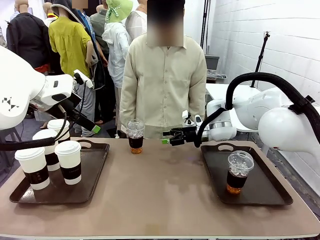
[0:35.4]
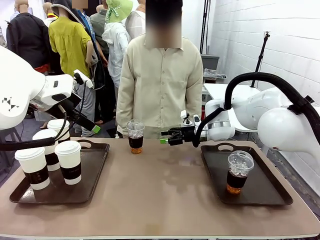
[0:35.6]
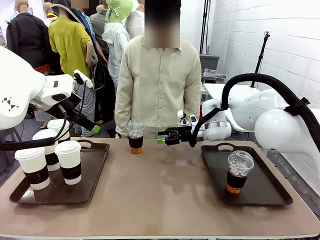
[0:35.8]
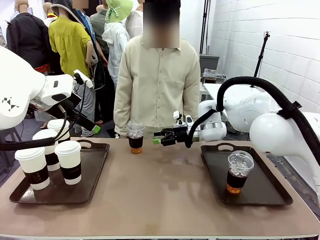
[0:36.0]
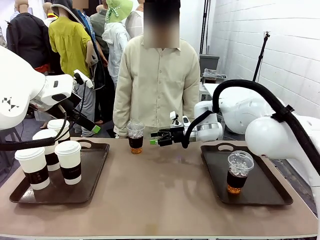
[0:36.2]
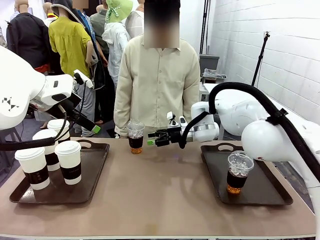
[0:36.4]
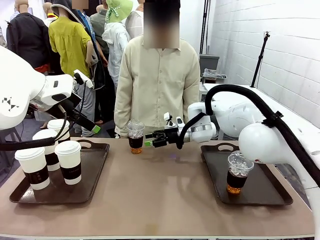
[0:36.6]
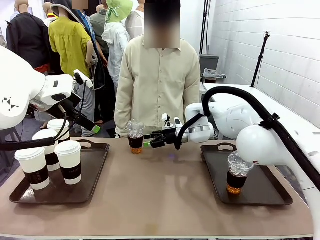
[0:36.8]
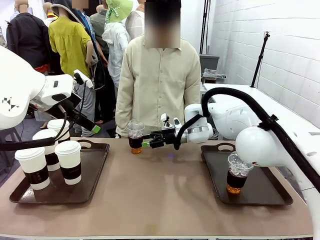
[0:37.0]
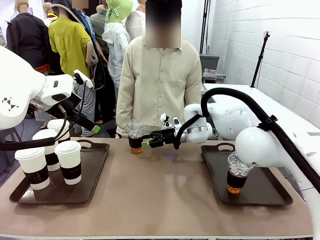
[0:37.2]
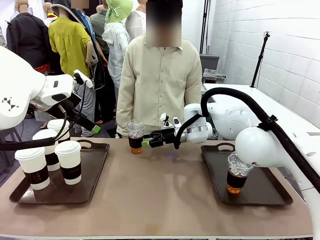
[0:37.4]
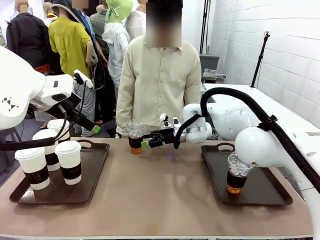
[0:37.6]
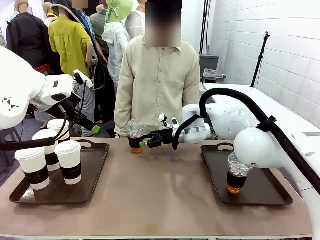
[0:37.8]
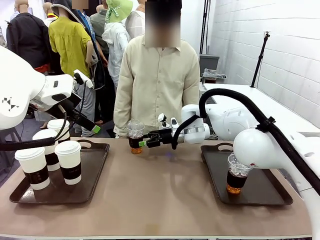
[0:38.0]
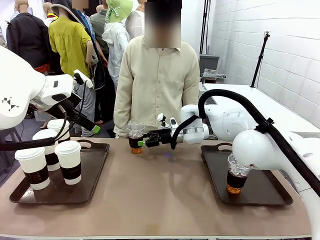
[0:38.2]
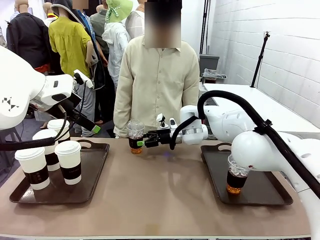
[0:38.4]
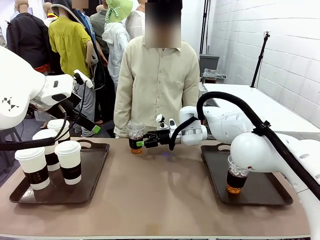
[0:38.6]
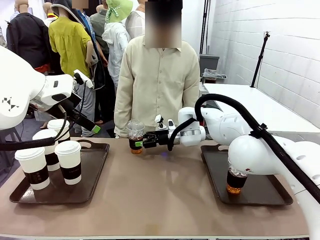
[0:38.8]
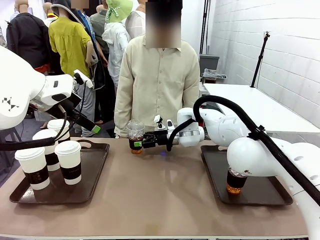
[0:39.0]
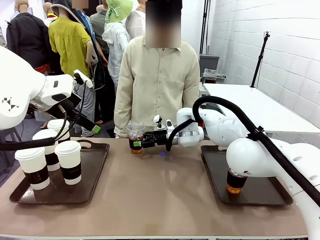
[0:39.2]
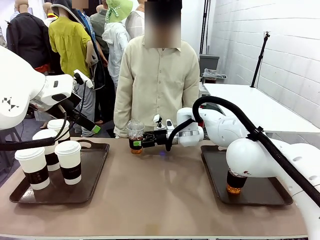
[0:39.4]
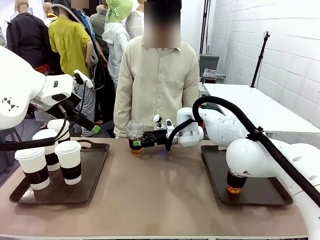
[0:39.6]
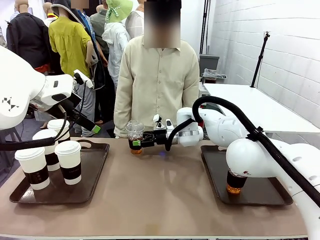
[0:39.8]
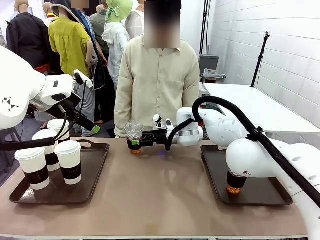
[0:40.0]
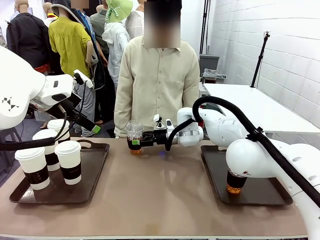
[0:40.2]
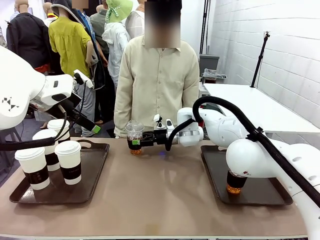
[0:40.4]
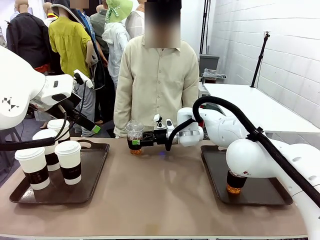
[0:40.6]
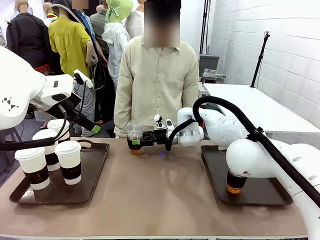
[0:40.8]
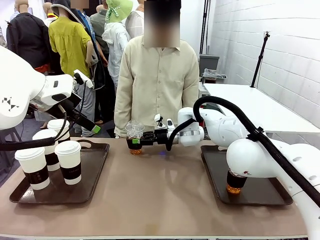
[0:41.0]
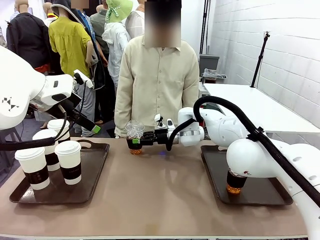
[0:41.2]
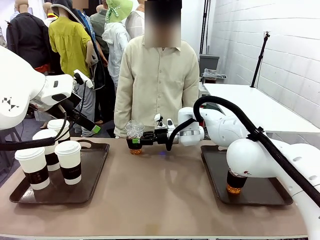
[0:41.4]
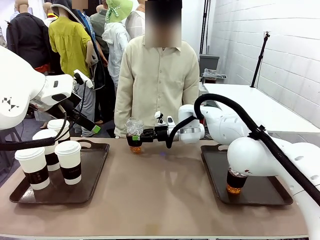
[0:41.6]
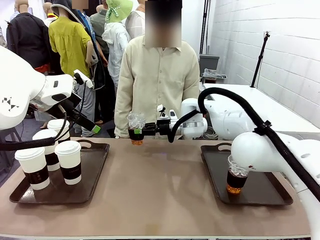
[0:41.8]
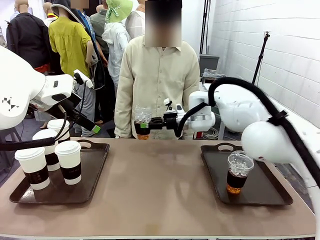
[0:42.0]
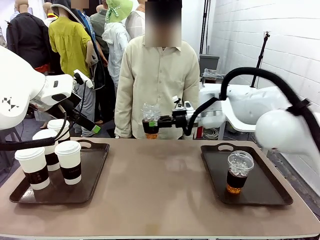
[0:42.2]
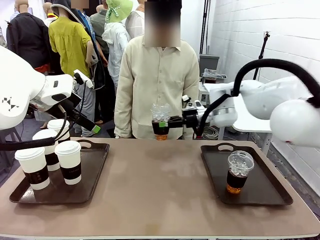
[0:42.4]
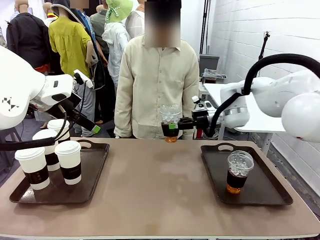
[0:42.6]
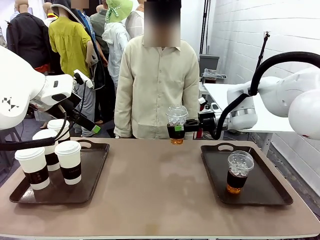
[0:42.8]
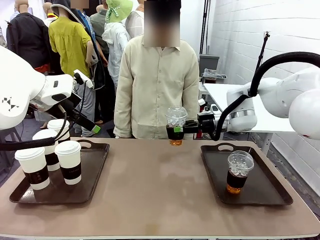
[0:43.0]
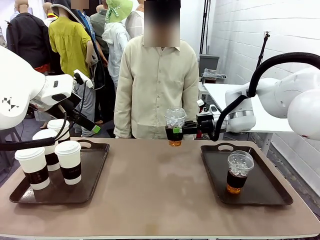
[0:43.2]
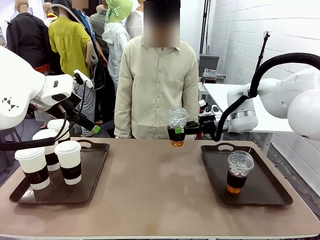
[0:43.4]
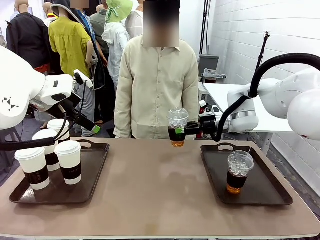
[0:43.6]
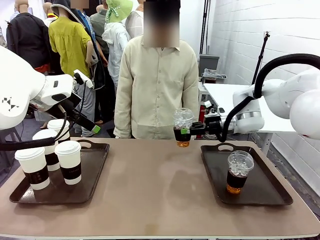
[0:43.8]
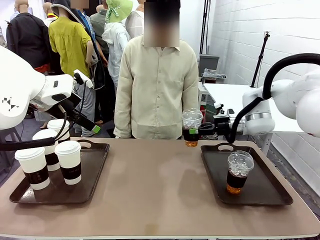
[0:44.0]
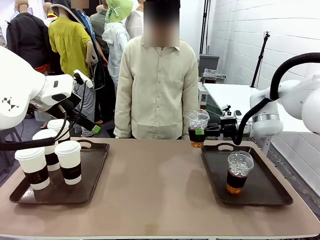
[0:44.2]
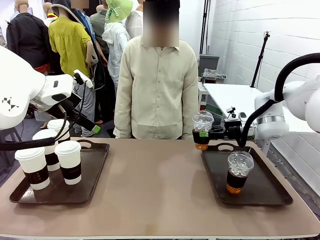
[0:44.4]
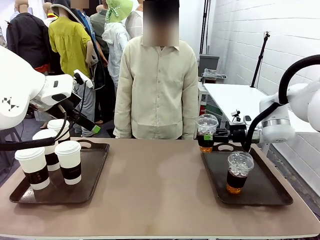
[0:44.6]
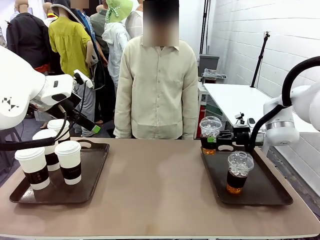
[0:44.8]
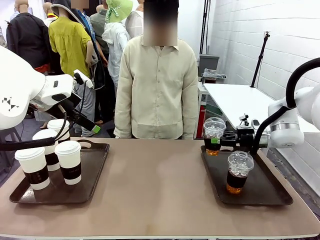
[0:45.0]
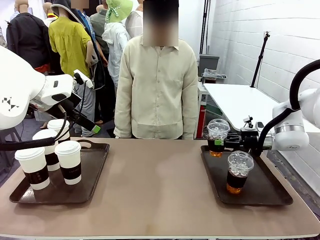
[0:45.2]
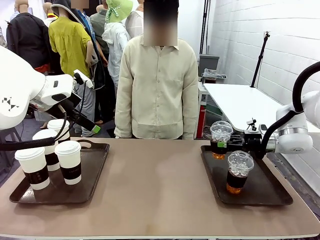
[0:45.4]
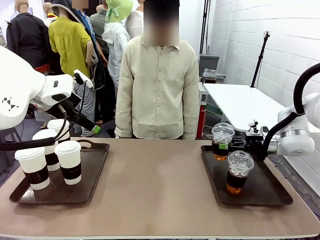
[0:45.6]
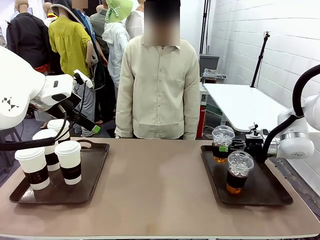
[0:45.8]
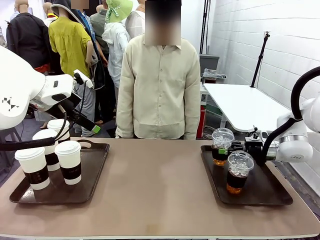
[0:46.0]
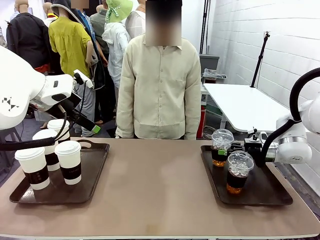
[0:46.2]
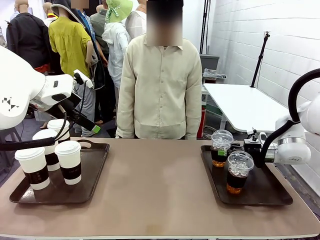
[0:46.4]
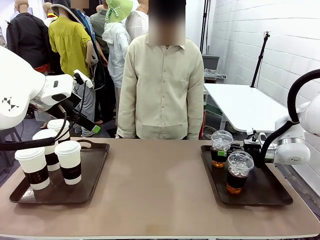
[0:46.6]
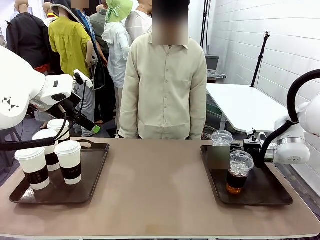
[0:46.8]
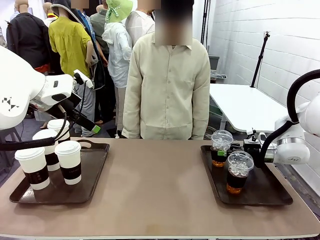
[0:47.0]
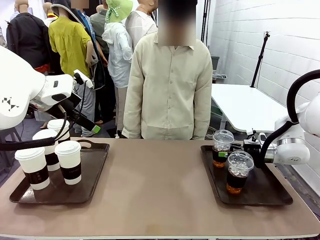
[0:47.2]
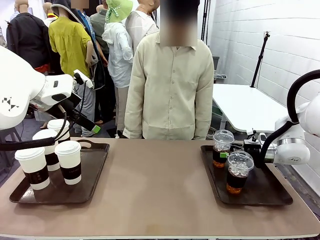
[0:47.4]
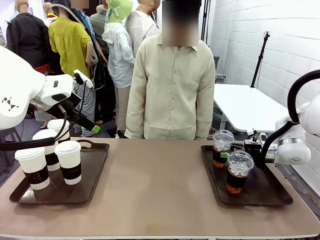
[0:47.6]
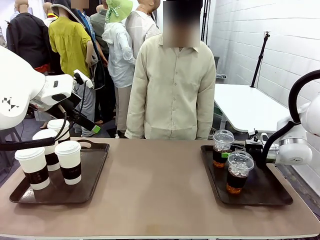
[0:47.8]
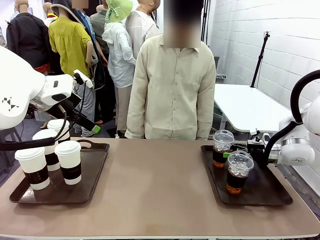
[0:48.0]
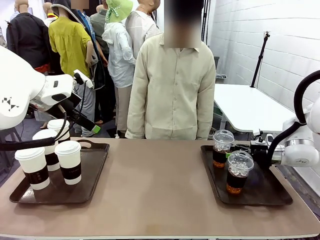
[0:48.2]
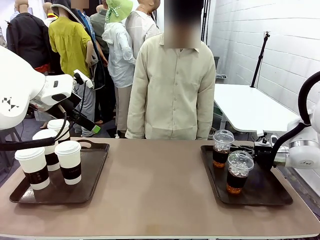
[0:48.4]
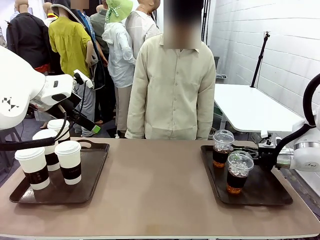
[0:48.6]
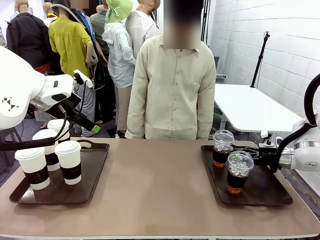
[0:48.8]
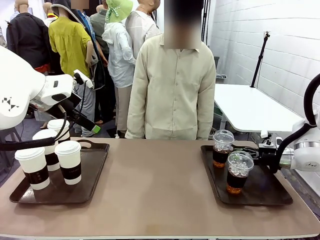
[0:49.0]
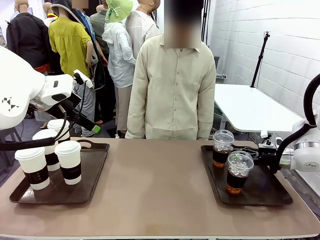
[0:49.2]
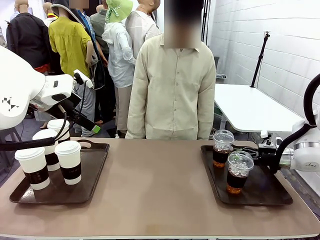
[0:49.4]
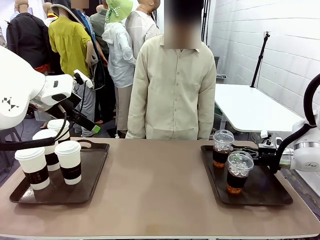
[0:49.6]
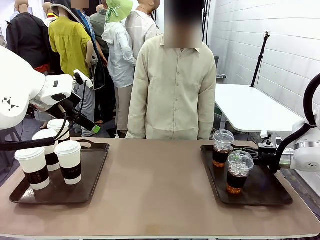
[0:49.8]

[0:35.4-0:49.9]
Task: Distribute the coffee onto the tray.
Robot: Pick up another iced Americano from the middle of the table and place it on the right Handle tray.

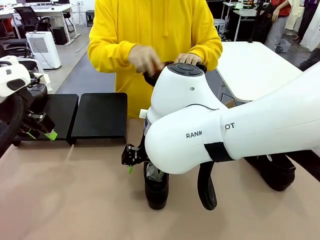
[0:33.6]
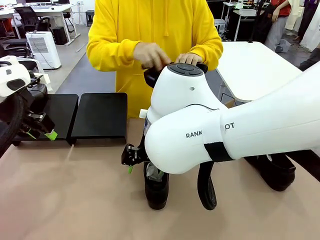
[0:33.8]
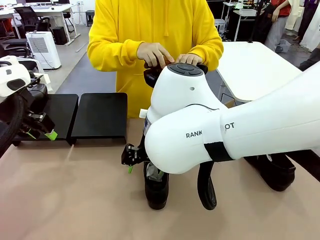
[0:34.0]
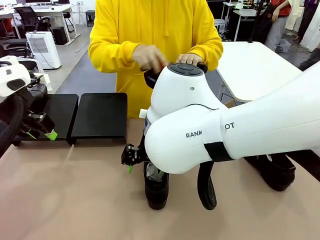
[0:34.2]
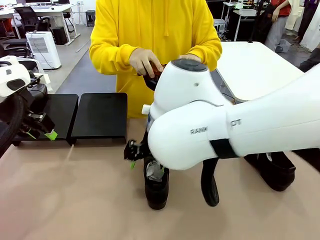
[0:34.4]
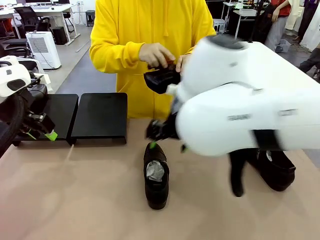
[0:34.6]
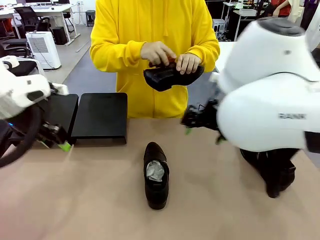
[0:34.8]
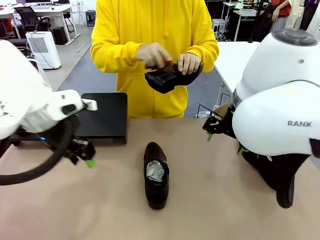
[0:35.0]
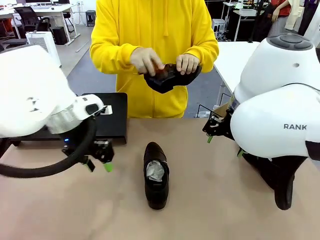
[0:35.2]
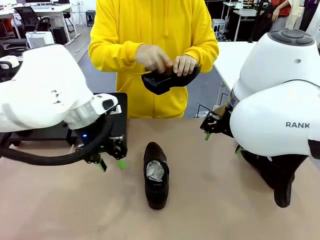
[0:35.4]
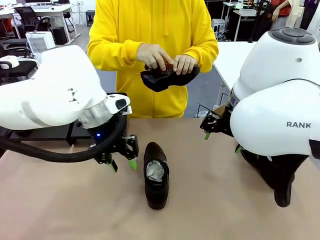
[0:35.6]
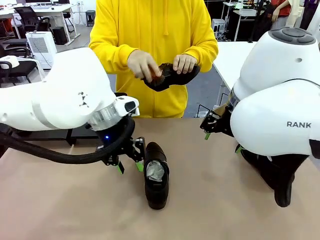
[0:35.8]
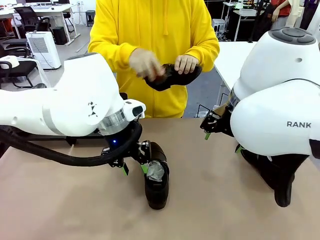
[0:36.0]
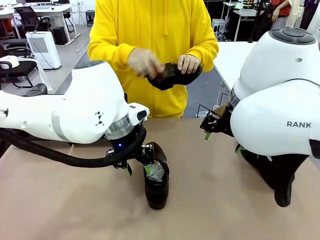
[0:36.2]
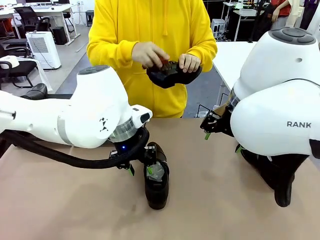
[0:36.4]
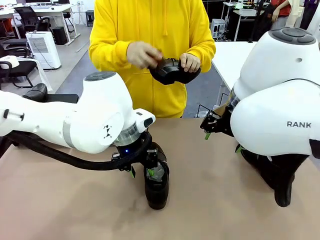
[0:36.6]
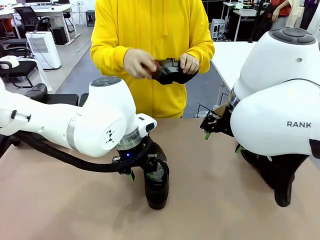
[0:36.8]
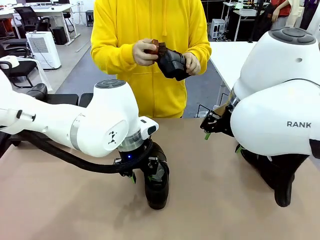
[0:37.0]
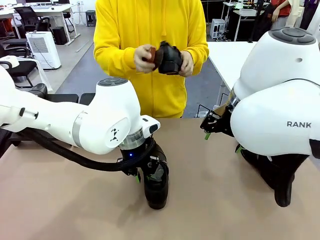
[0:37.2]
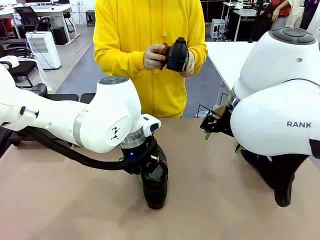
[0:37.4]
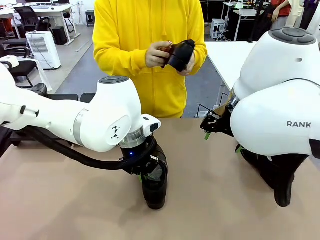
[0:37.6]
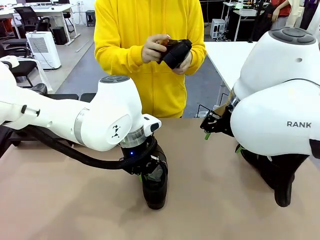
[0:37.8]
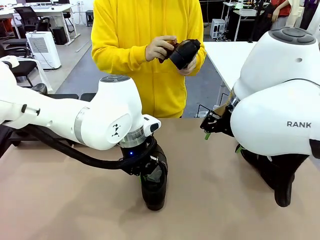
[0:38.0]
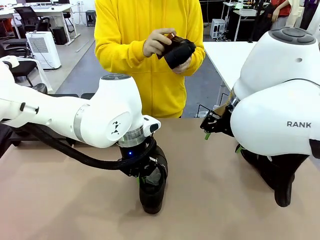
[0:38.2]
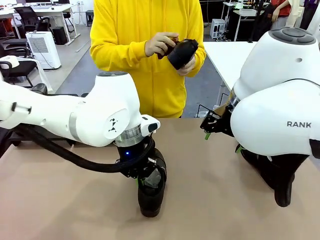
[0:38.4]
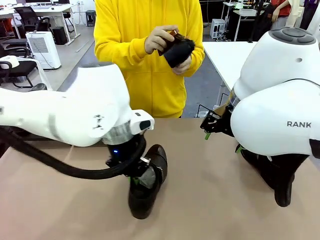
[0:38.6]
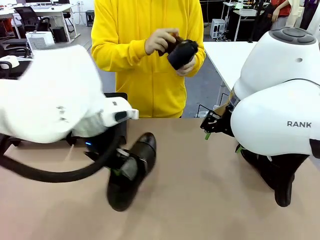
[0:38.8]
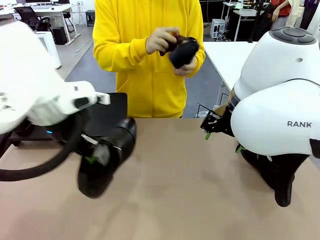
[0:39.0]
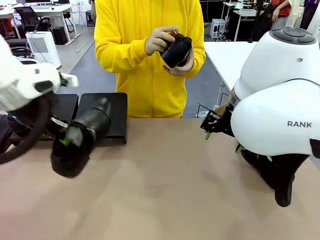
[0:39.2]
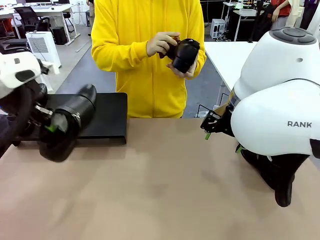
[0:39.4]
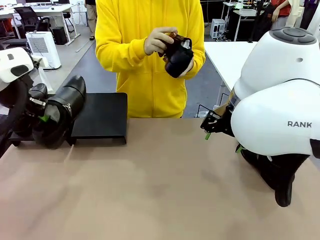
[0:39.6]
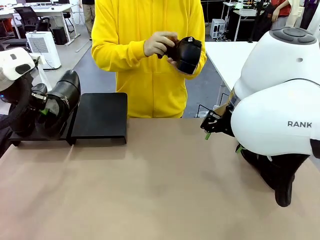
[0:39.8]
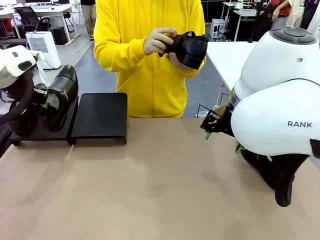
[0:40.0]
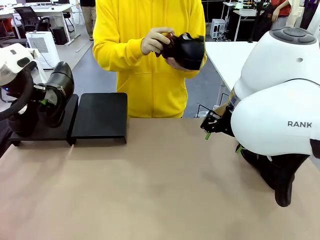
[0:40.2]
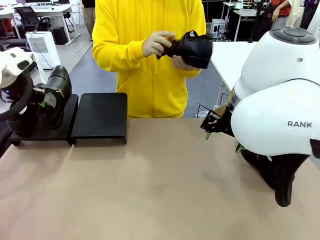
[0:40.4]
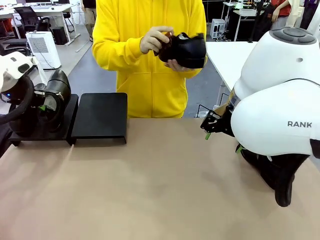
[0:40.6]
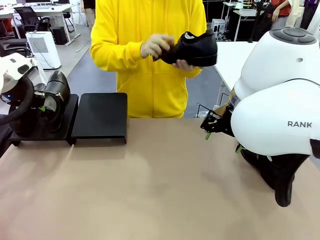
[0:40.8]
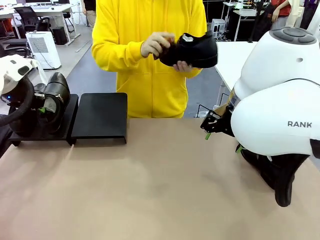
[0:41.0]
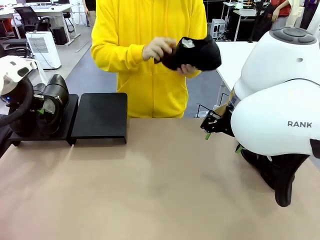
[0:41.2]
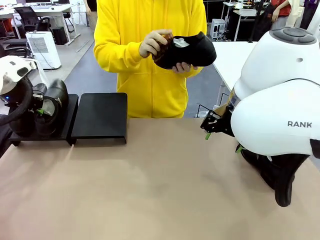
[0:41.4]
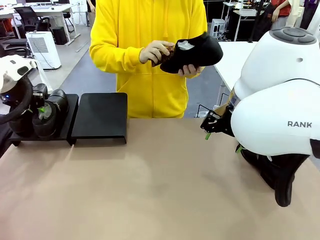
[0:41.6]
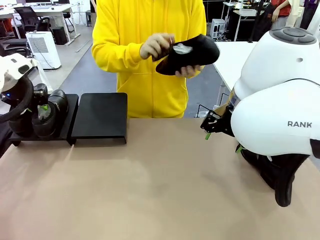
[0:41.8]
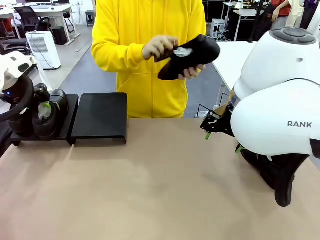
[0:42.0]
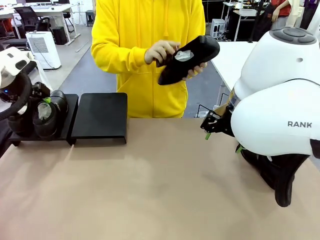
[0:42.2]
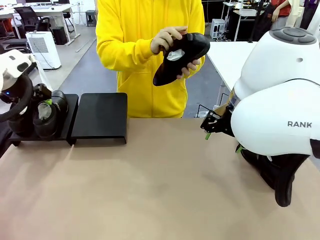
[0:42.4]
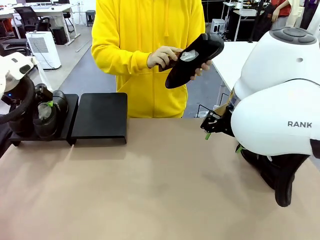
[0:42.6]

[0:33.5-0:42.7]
Task: Organize the shoes by placing them on the stand.
Robot: Place the Shoe from the middle of the table onto the Shoes Stand.
